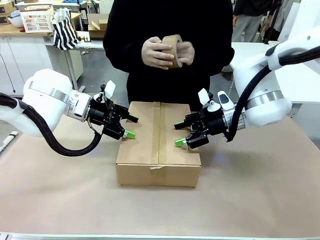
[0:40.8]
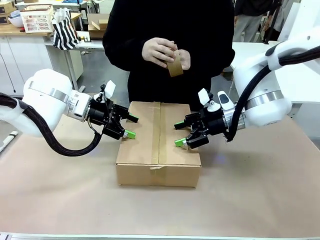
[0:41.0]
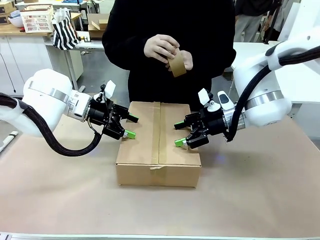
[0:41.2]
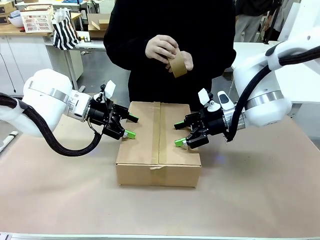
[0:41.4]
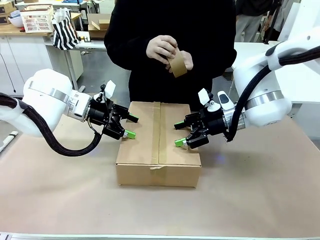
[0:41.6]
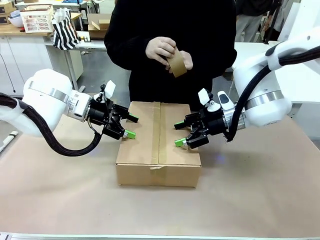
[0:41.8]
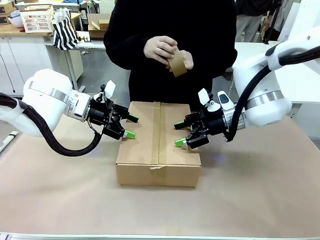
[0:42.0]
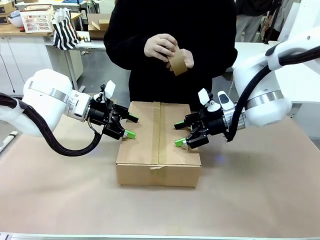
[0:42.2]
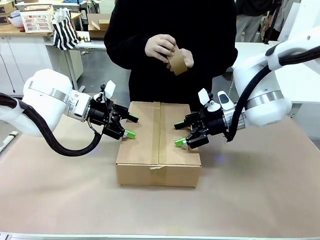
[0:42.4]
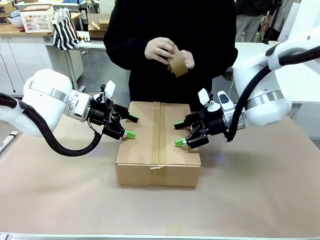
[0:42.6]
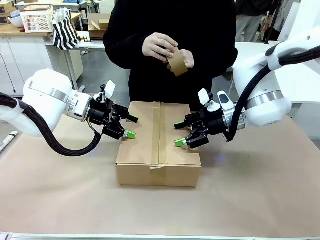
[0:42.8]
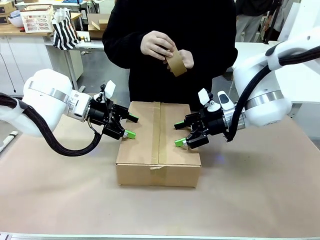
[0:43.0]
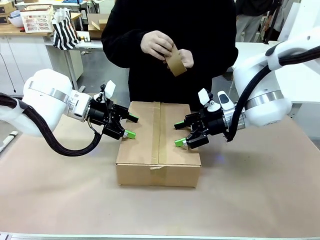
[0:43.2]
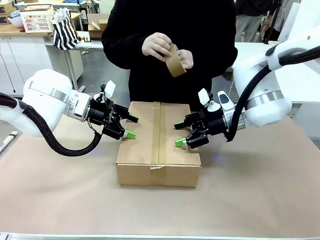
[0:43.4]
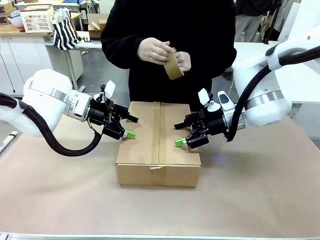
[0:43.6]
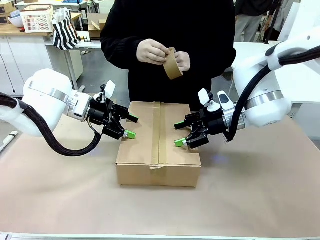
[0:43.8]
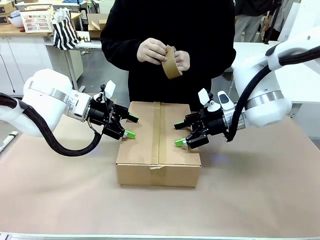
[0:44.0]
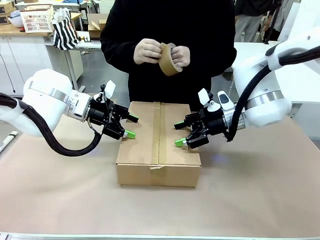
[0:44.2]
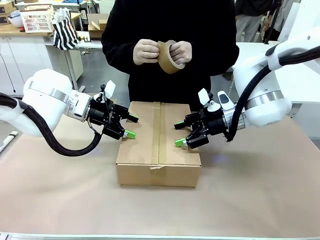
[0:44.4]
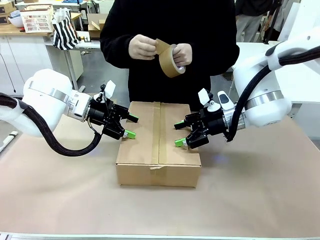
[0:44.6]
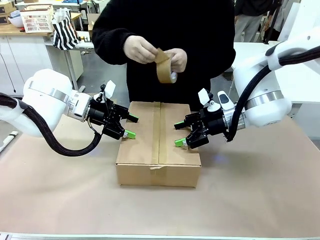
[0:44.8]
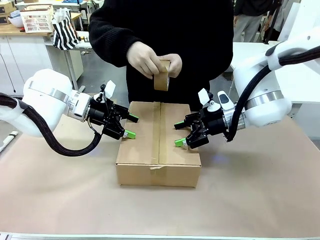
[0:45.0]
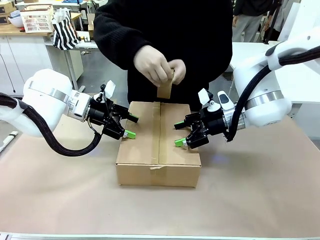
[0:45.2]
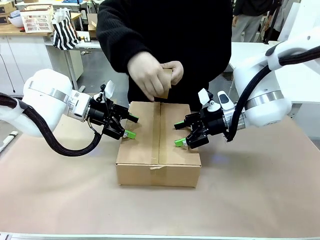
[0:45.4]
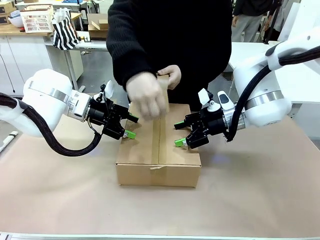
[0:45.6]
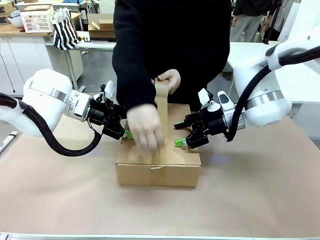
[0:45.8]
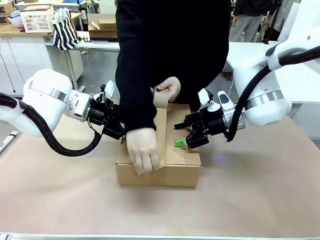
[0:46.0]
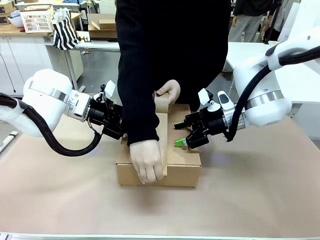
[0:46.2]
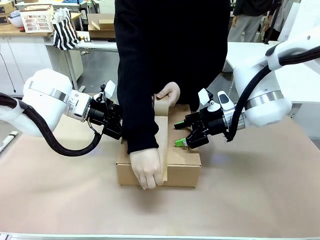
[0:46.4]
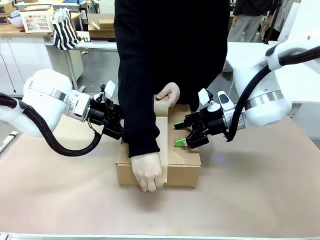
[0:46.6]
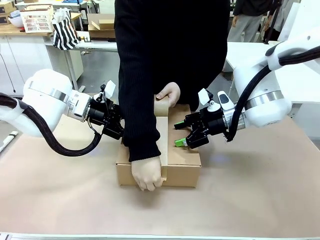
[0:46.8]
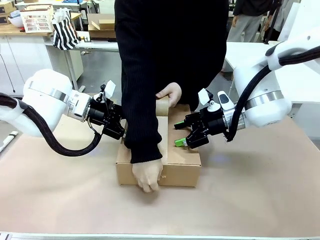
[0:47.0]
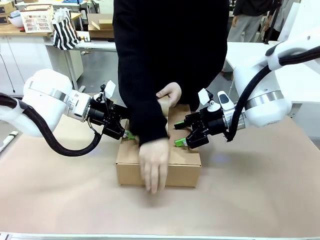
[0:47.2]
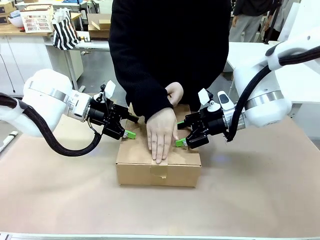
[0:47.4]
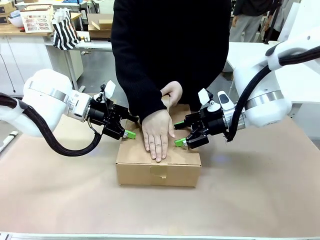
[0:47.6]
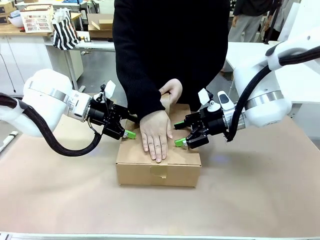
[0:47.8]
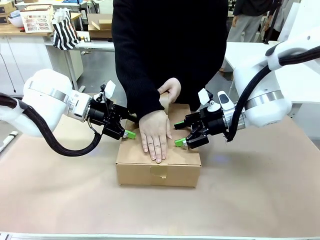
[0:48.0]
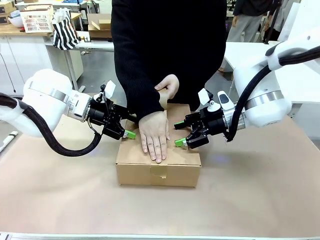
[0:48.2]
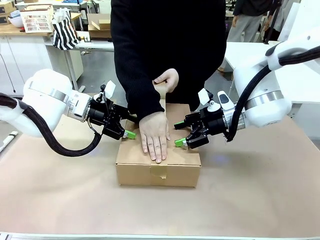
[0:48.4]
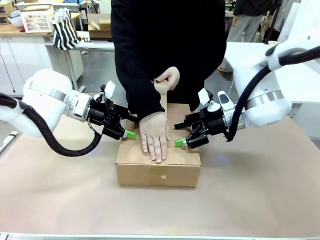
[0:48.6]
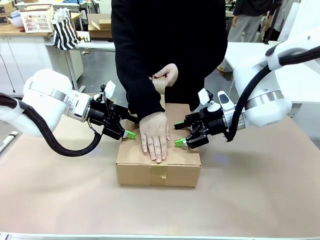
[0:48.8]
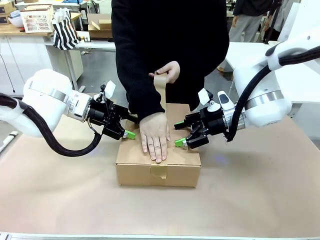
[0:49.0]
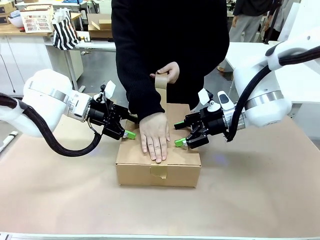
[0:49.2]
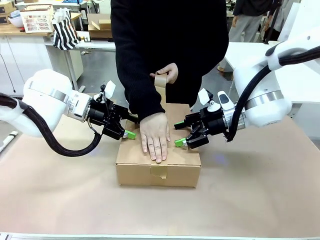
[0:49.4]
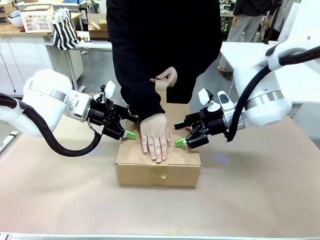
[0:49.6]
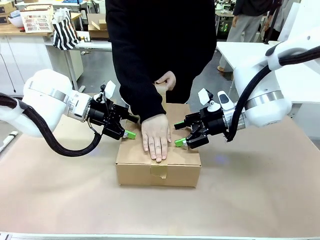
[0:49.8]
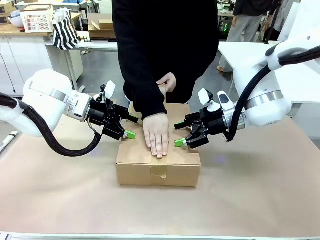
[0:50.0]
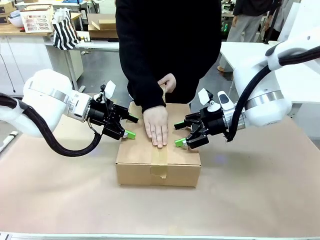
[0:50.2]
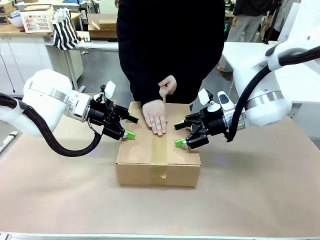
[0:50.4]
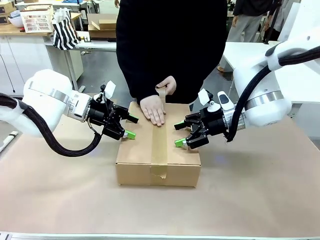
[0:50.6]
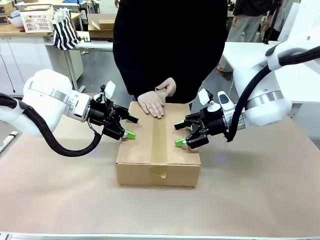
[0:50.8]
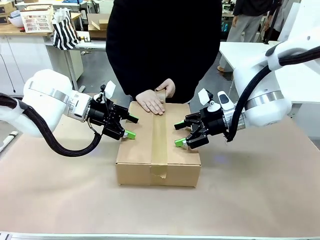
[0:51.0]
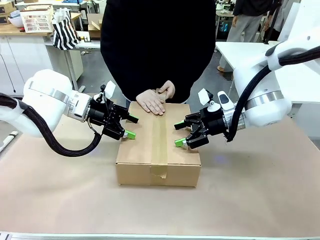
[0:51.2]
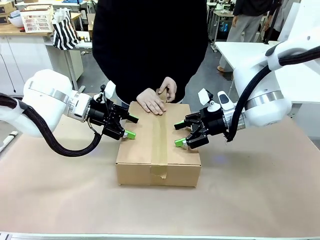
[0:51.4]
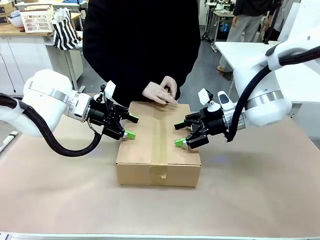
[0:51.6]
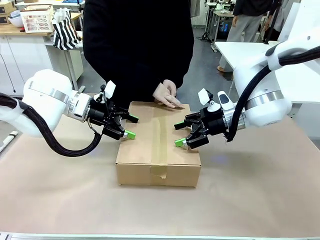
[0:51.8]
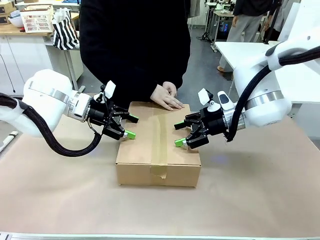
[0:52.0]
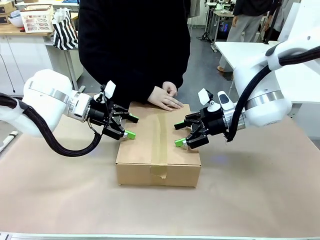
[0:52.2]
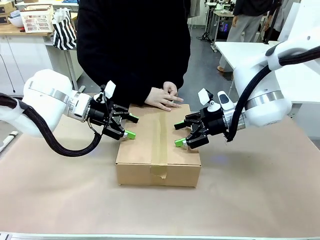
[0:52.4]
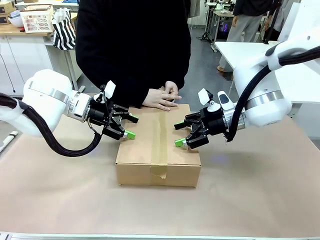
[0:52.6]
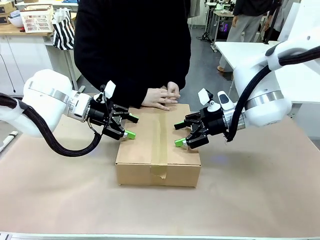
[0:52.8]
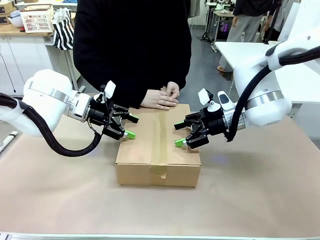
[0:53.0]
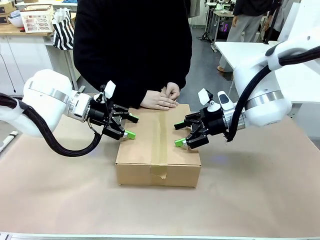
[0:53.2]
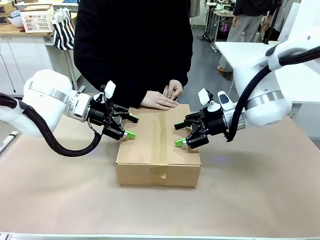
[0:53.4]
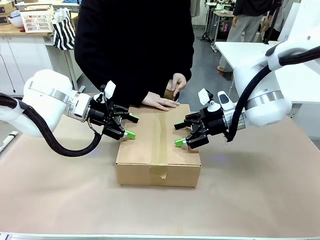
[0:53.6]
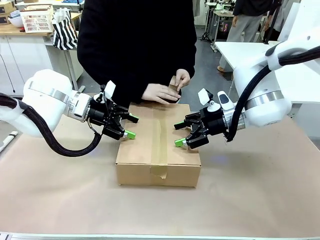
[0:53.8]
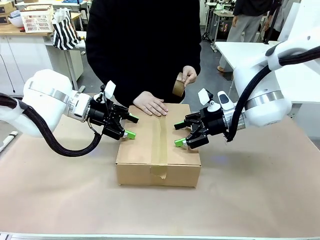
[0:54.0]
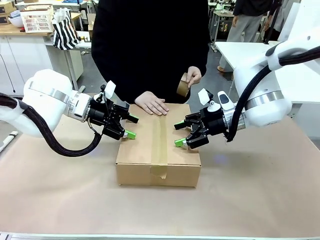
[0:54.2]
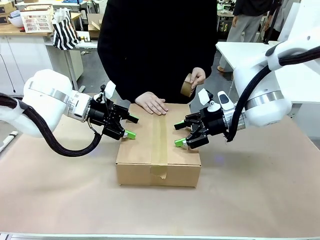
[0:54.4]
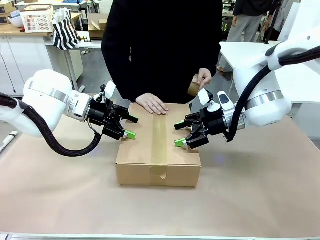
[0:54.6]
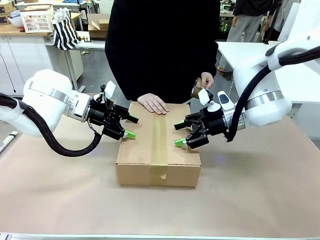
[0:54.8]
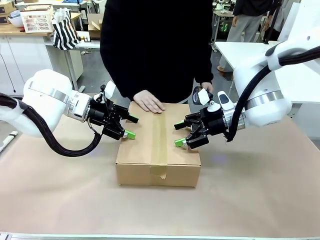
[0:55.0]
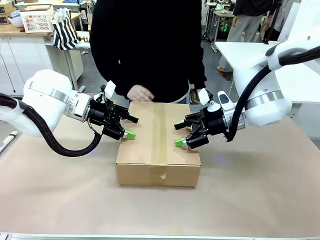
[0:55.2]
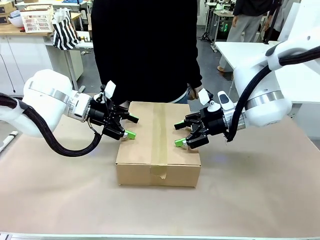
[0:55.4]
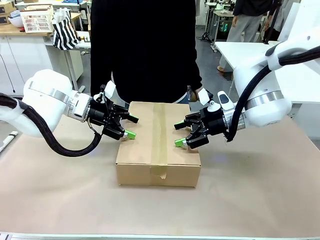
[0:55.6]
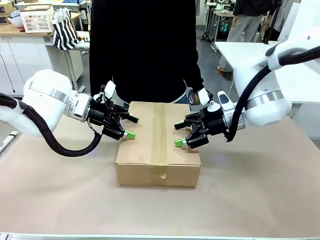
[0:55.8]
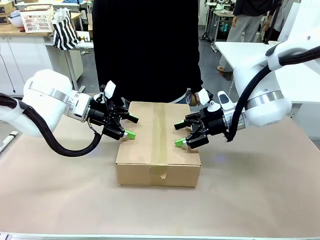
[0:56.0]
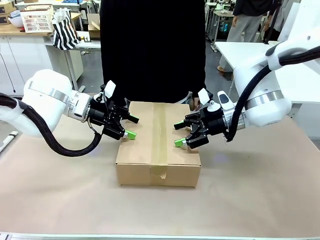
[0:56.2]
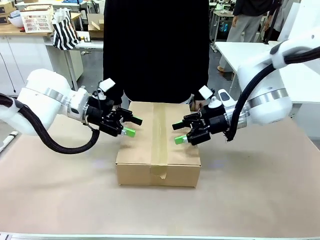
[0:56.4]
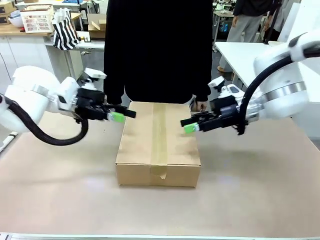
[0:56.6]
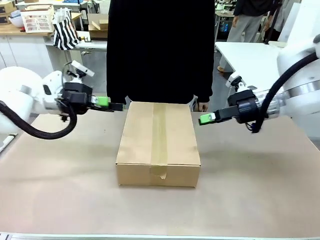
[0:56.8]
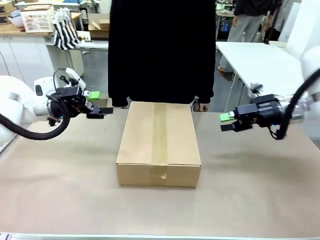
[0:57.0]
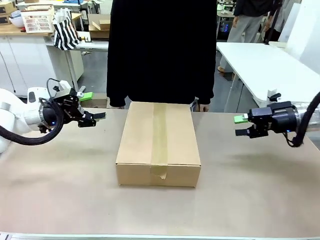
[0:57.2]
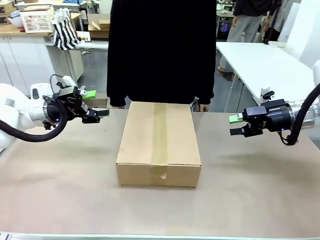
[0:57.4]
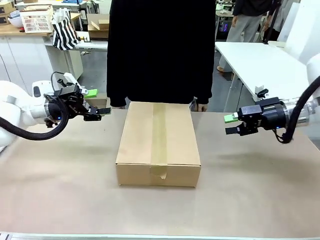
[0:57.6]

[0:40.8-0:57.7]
Task: Pack the gift set into the box.
Robot: Press and hold the closed box until the human finishes sealing it.
Person: The human picks up the paper tape from the human table and packs the box.
